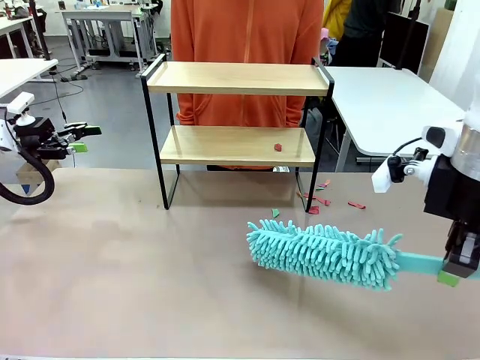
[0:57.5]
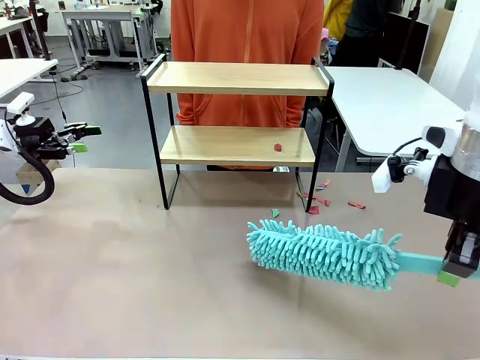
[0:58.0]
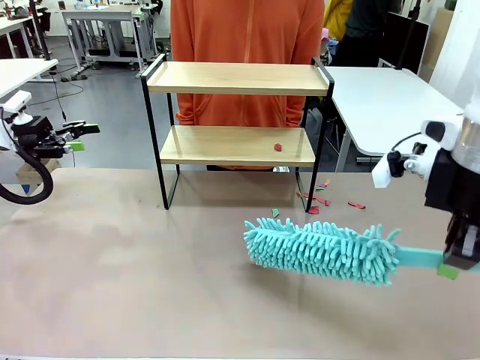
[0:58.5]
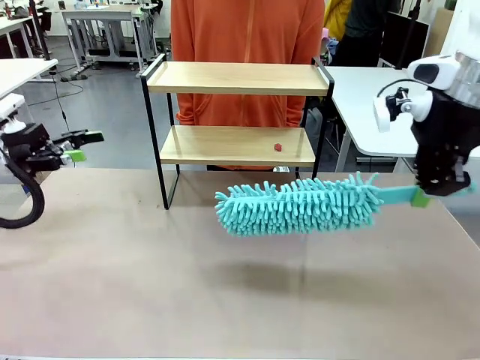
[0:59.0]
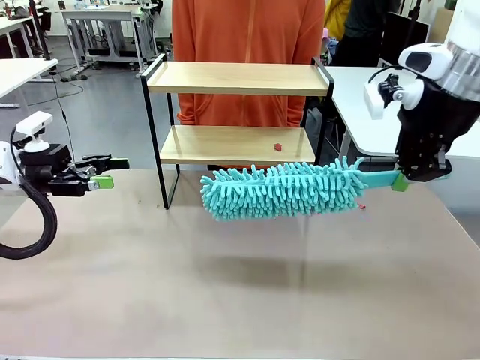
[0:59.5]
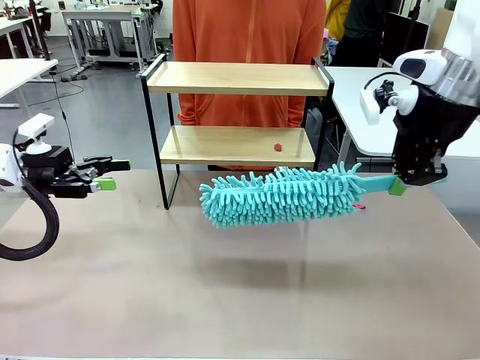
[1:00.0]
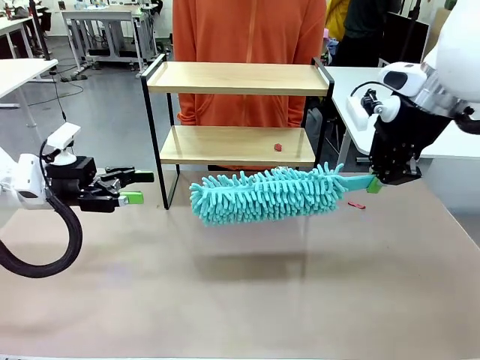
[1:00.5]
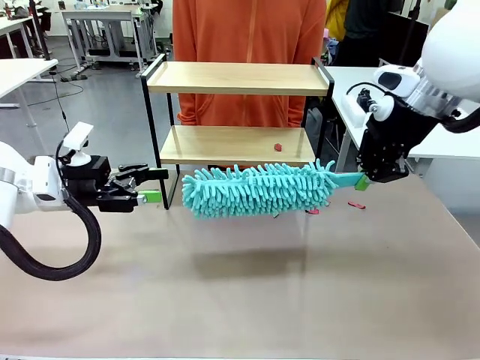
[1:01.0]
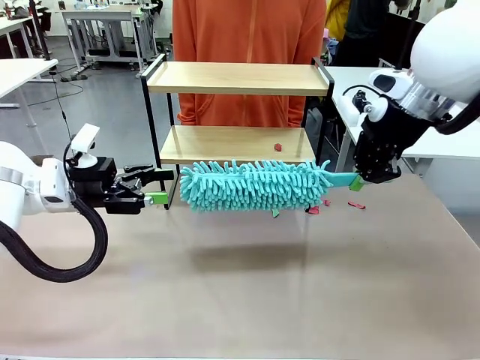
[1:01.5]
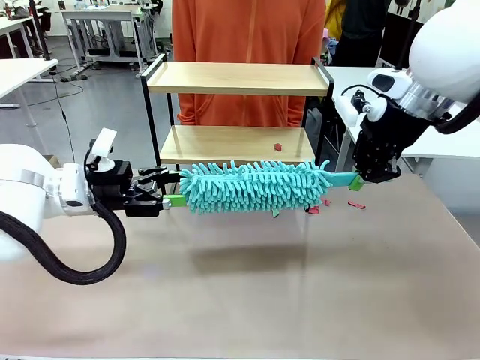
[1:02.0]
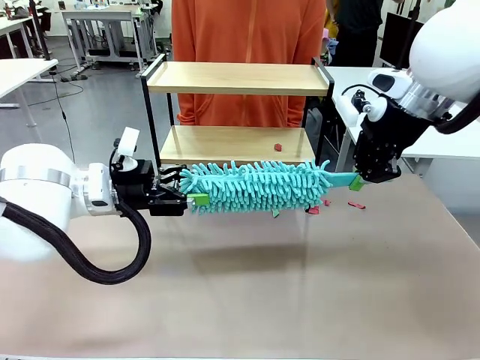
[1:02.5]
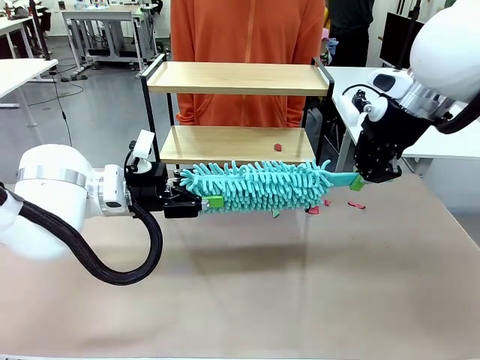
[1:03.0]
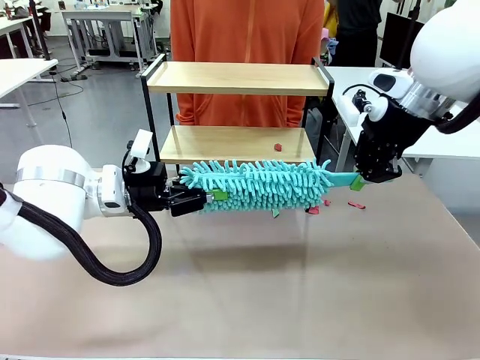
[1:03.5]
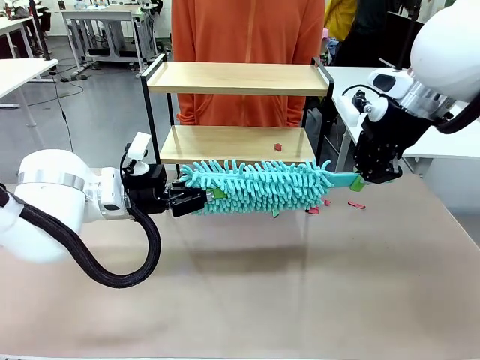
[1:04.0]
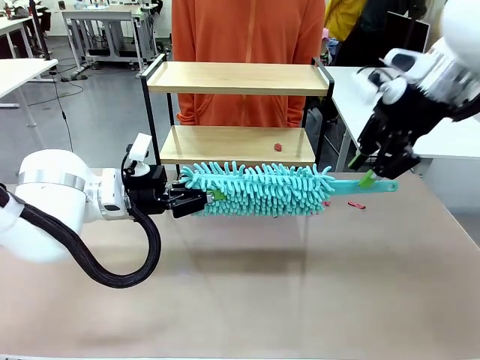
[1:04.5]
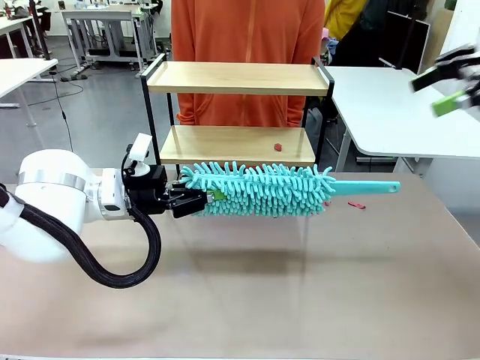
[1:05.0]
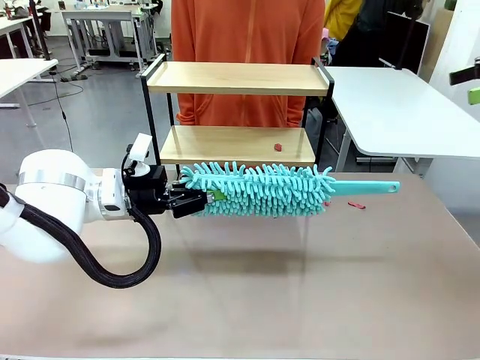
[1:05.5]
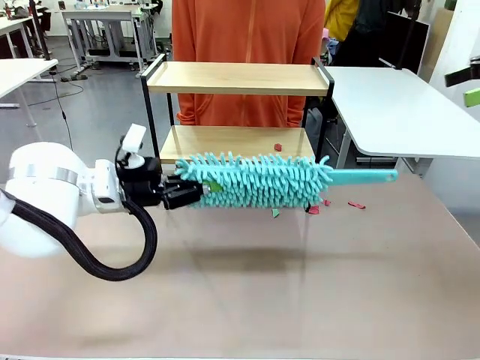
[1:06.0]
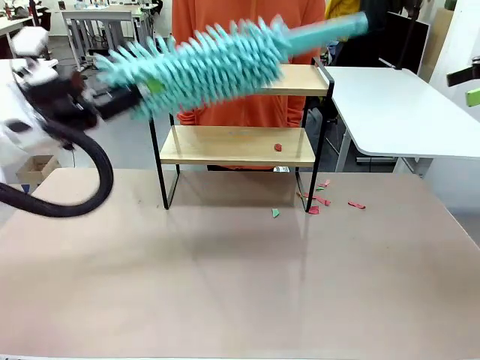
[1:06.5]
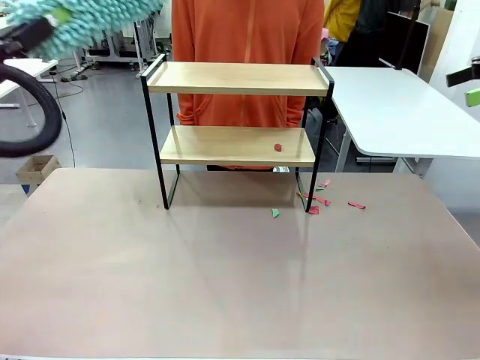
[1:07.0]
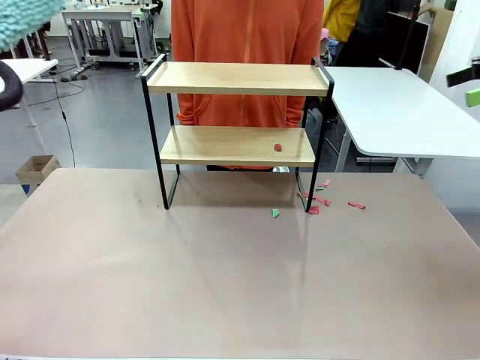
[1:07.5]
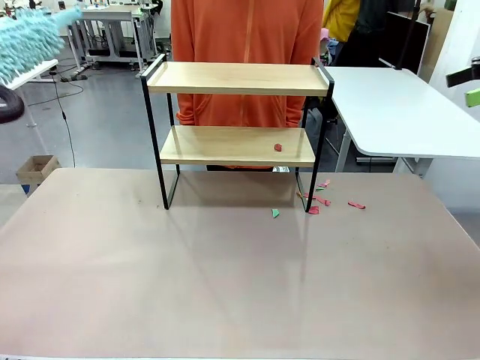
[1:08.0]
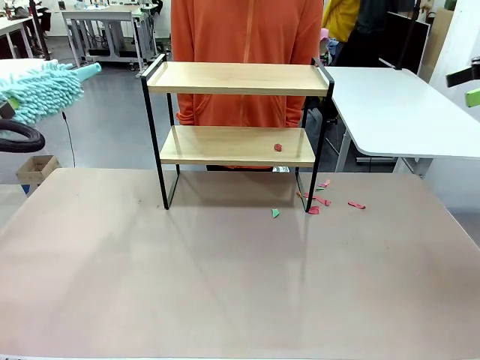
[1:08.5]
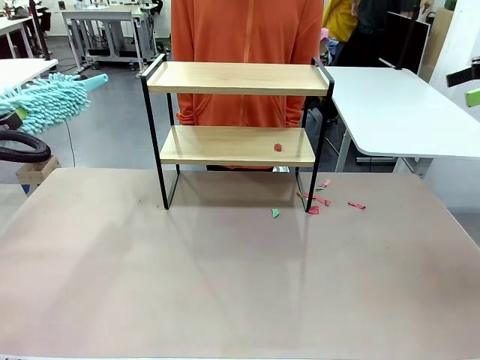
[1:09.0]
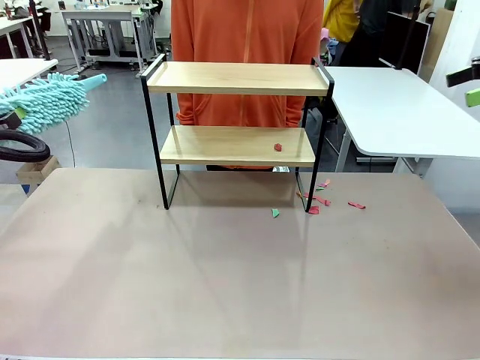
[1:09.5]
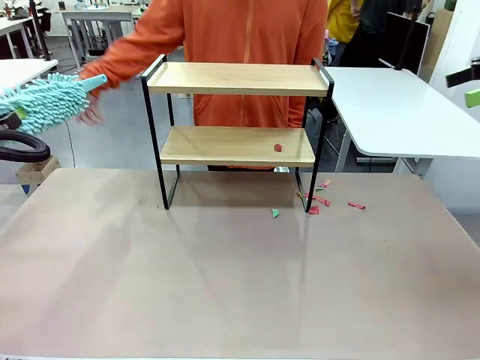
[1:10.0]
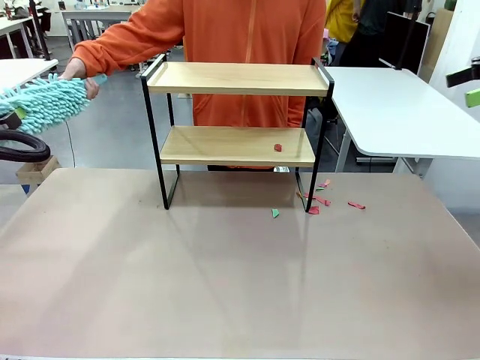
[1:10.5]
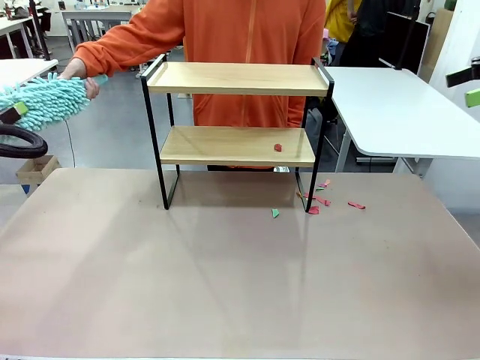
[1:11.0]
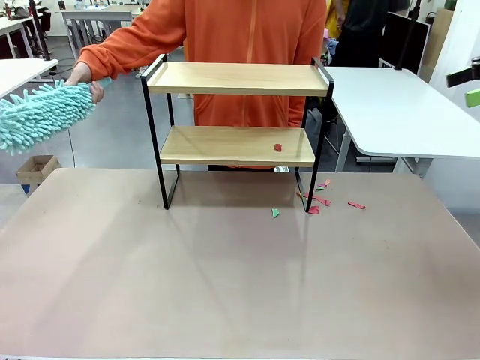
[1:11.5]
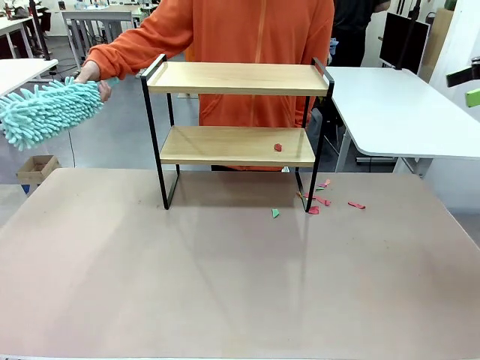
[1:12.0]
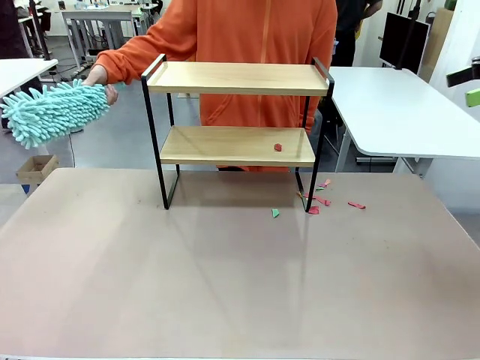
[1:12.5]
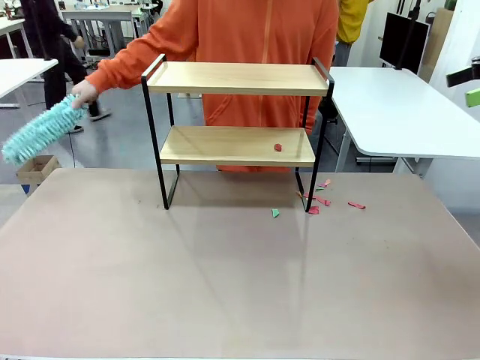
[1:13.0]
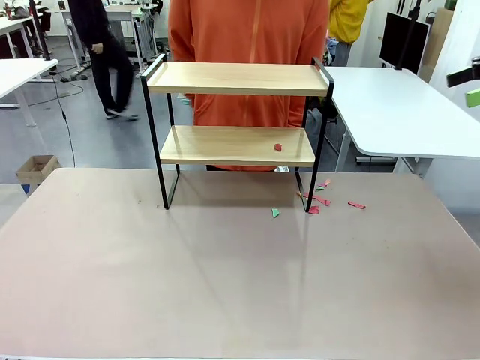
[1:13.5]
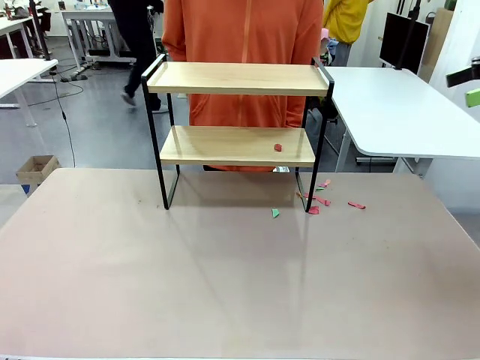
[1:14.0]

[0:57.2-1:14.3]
Task: Clean the shelf.
Robot: Hand the Duster back to the human.
Person: Receive the Duster from the robot.

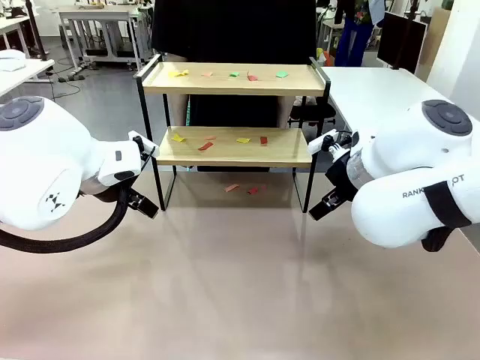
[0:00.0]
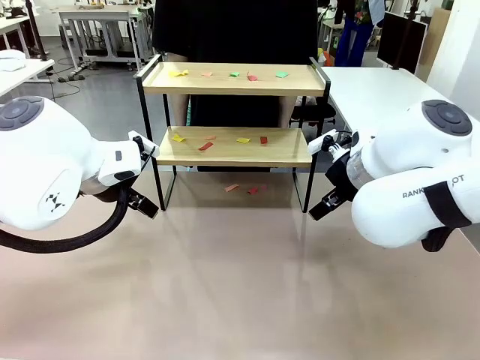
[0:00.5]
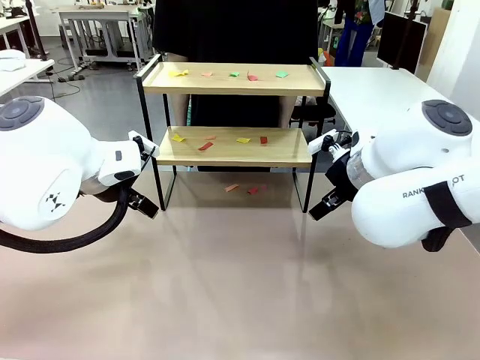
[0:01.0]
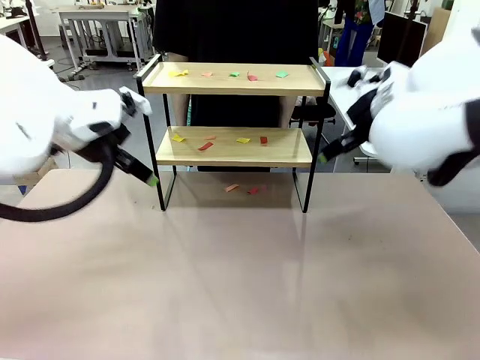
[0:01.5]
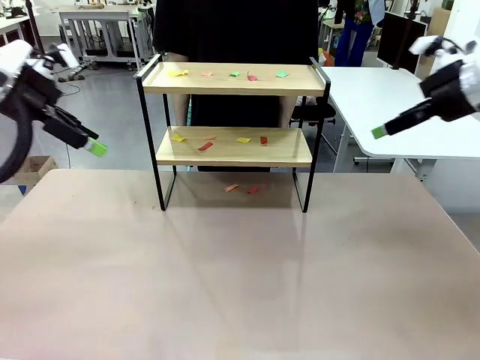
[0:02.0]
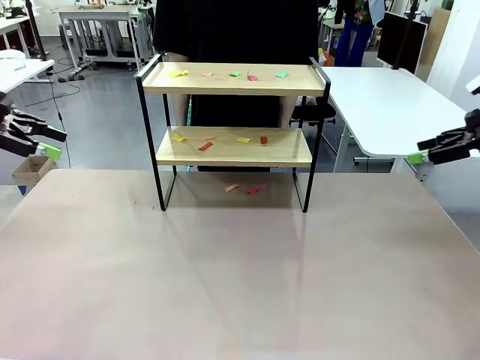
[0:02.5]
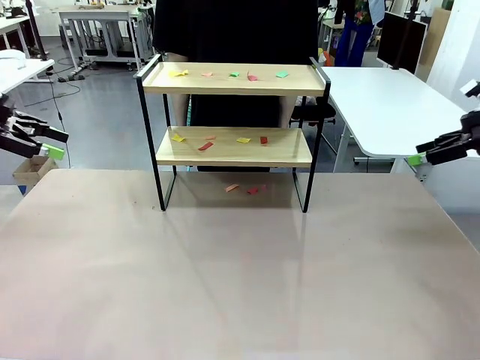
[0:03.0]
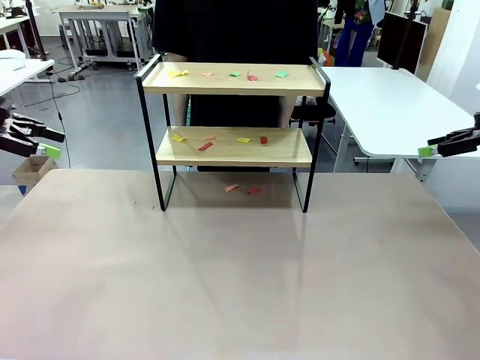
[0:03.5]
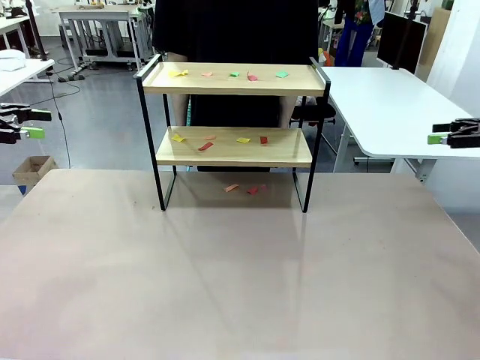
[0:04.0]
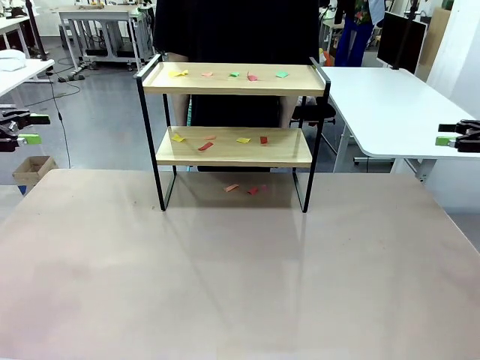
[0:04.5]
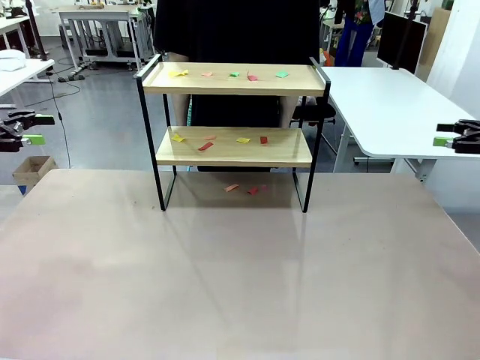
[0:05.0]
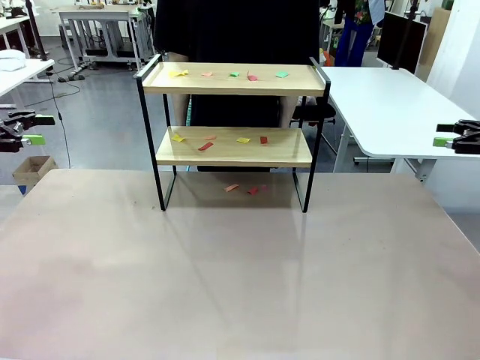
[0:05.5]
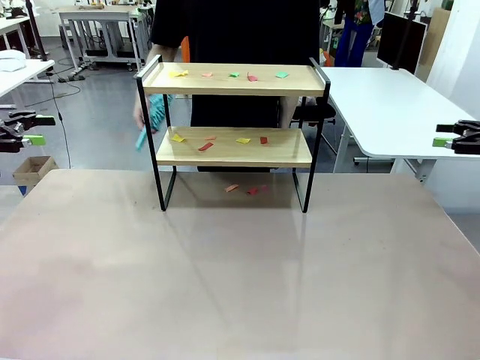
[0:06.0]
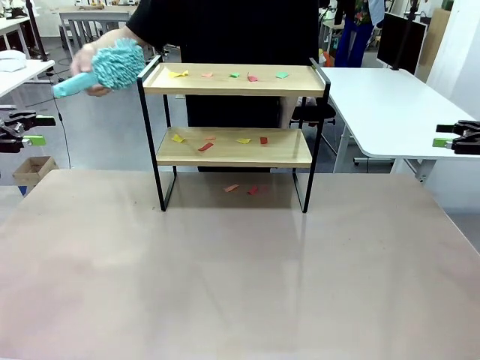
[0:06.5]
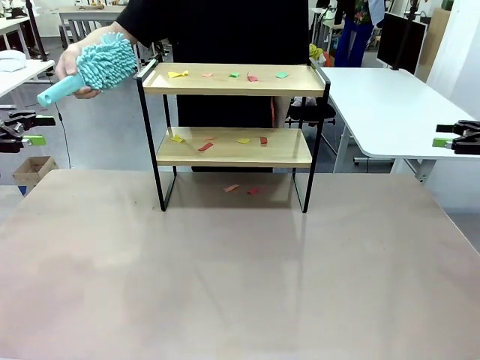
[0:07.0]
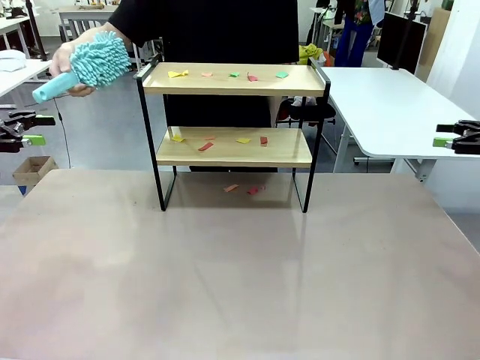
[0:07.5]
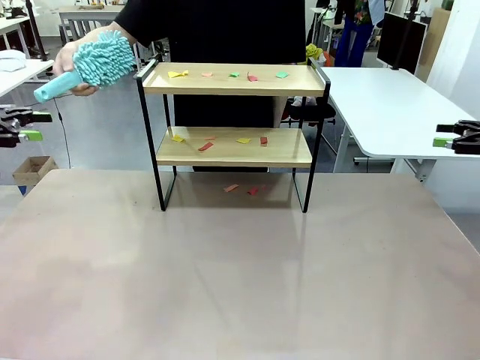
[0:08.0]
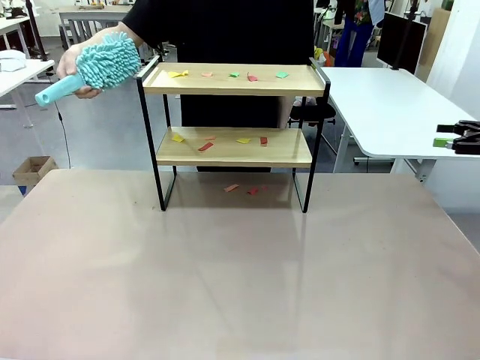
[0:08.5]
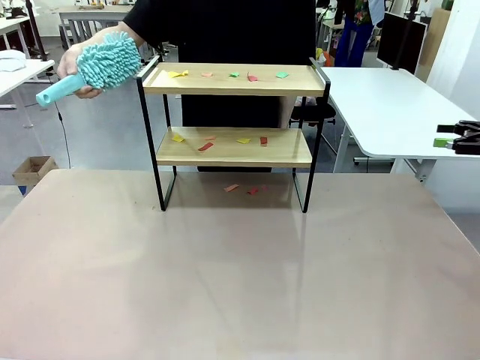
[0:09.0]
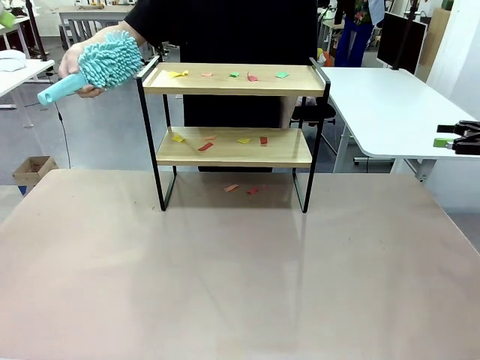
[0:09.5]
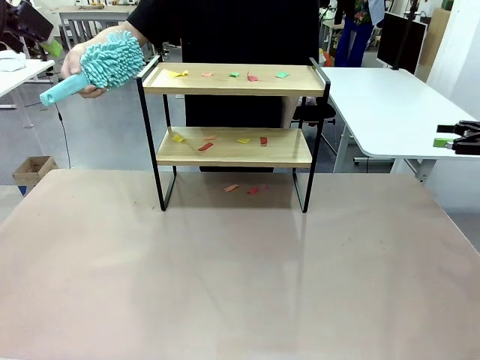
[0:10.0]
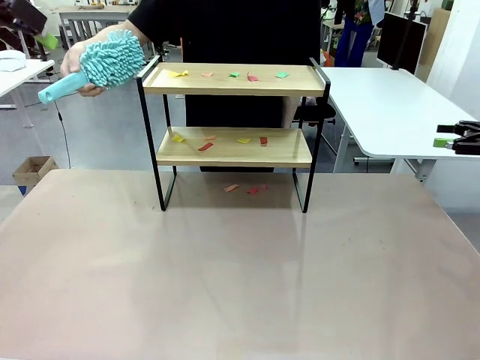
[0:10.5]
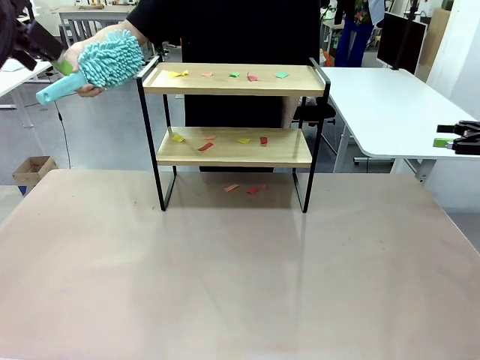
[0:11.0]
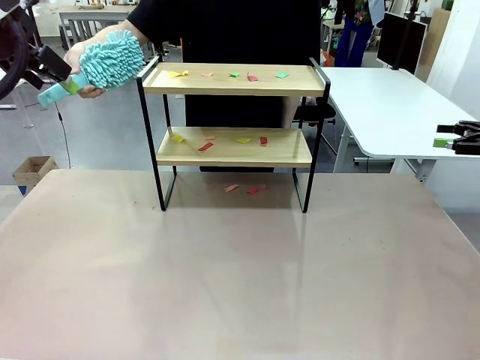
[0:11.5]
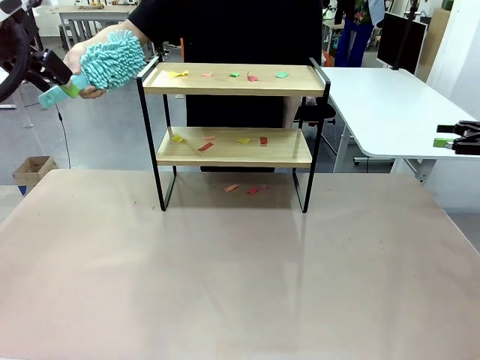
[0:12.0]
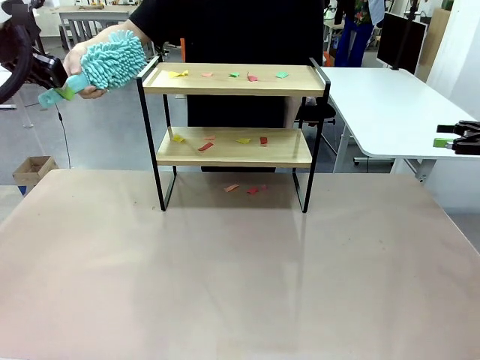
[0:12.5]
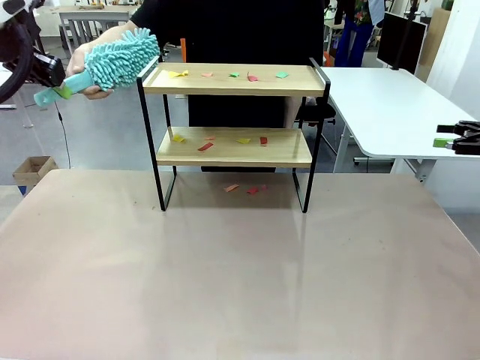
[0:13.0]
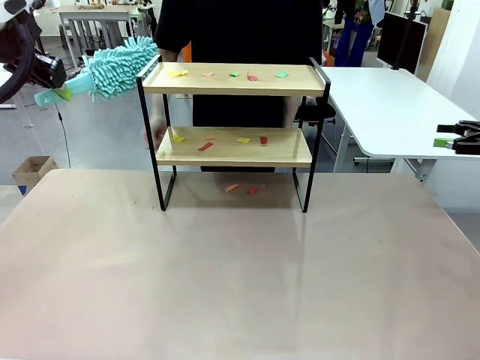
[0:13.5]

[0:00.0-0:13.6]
Task: Clean the shelf.
Robot: Pick up the Duster handed by the human.
Person: Hand the Duster to the robot.
